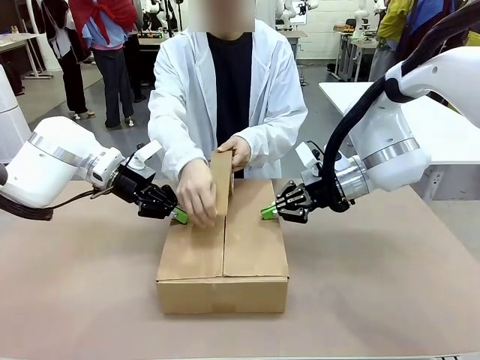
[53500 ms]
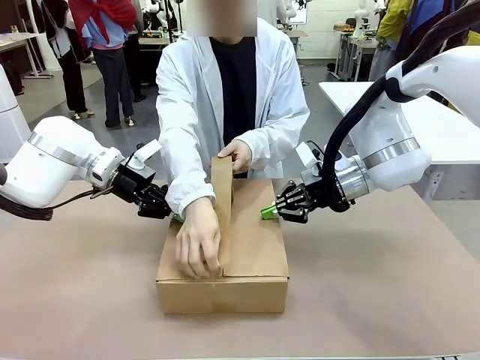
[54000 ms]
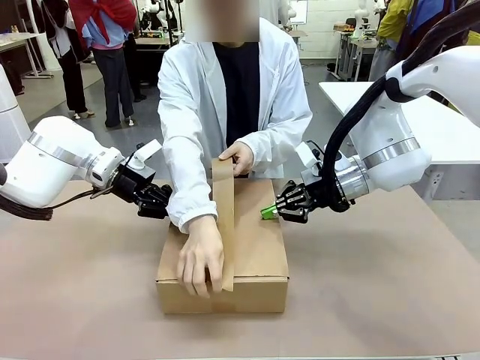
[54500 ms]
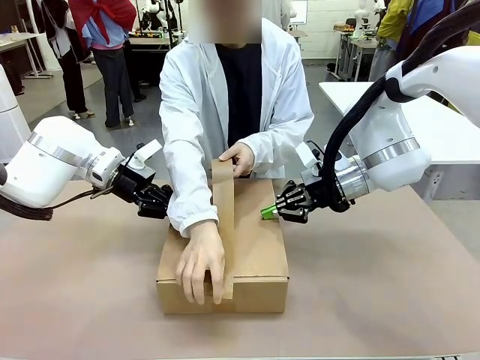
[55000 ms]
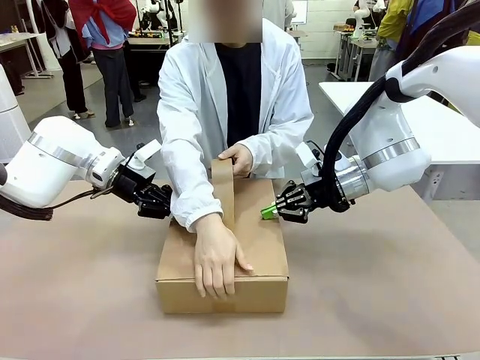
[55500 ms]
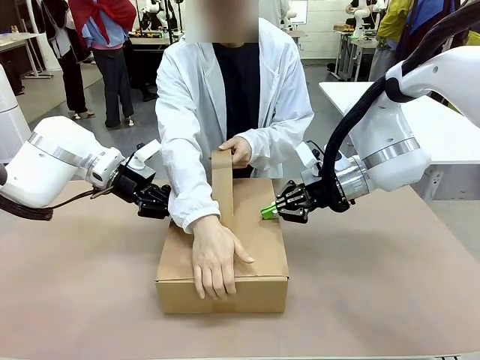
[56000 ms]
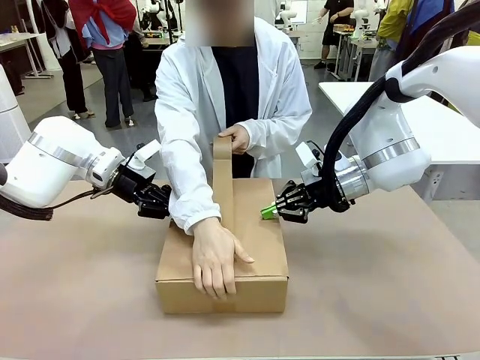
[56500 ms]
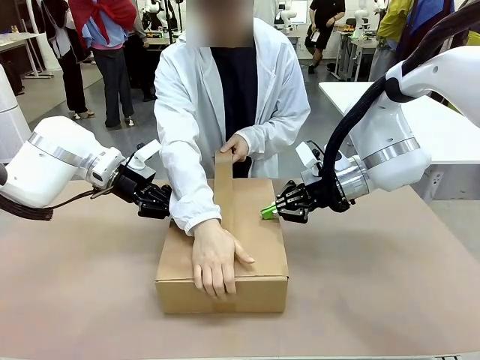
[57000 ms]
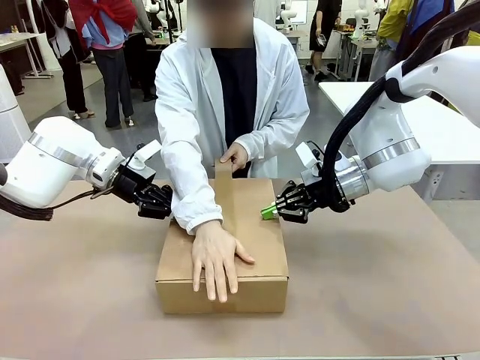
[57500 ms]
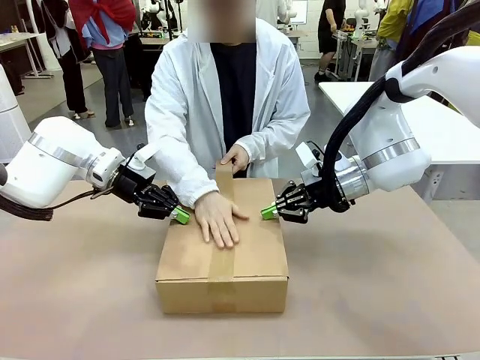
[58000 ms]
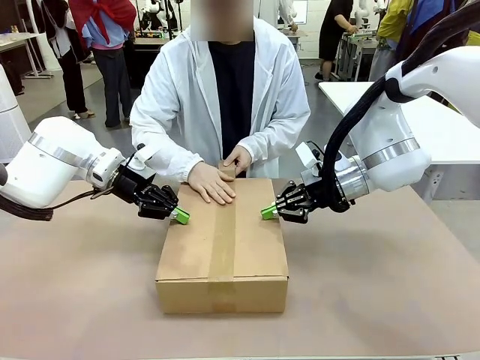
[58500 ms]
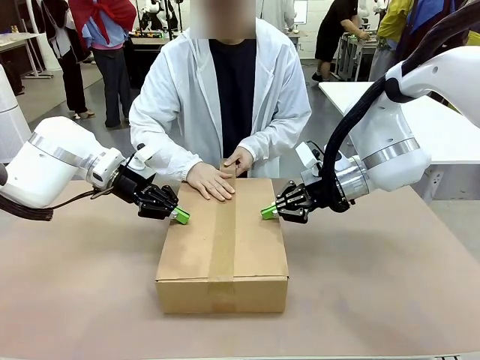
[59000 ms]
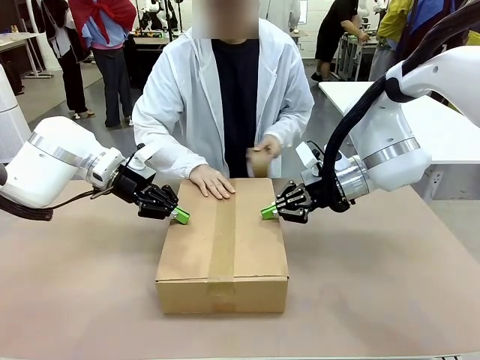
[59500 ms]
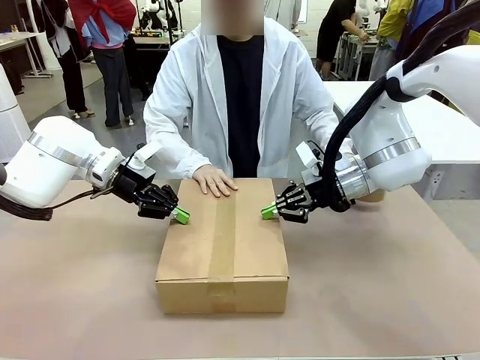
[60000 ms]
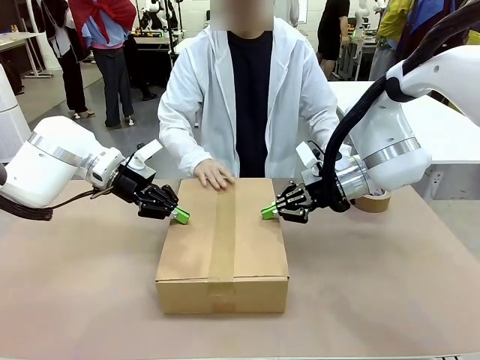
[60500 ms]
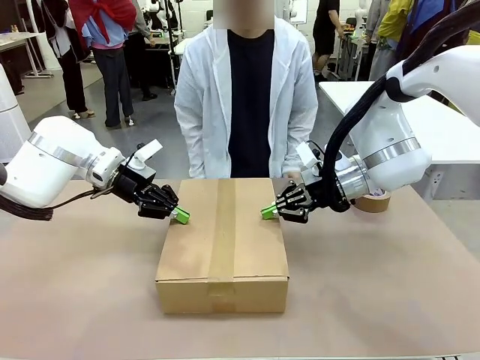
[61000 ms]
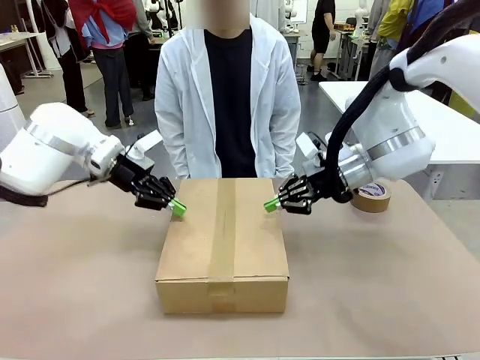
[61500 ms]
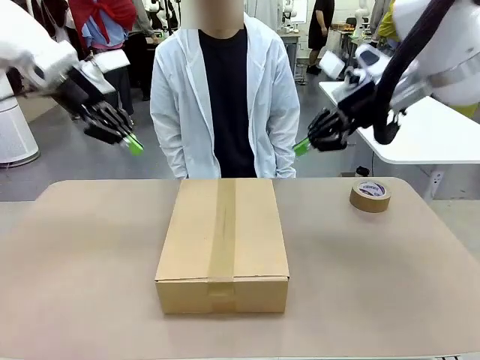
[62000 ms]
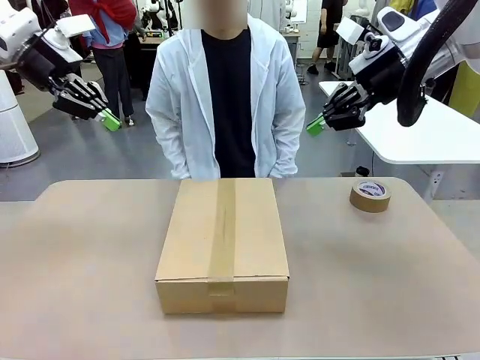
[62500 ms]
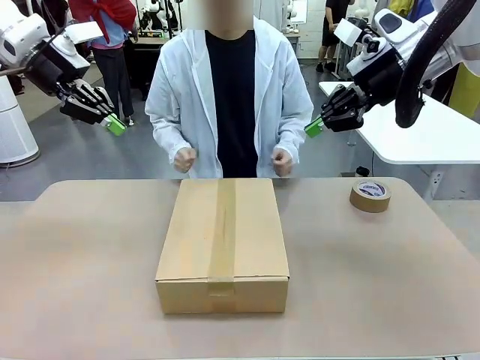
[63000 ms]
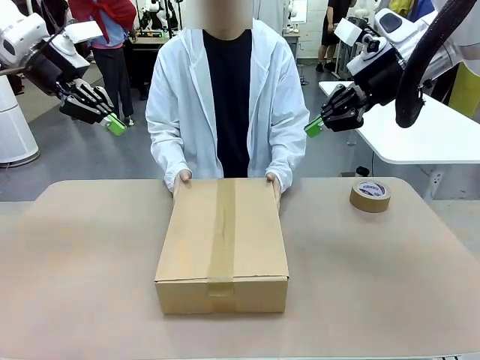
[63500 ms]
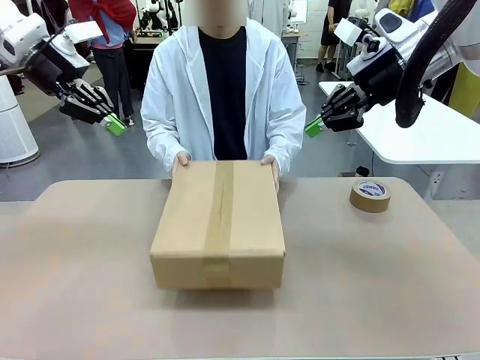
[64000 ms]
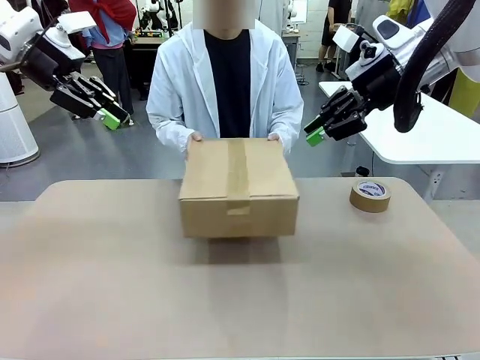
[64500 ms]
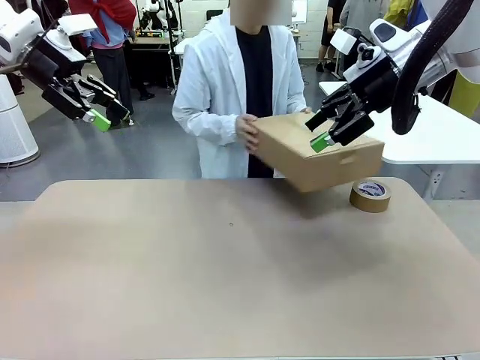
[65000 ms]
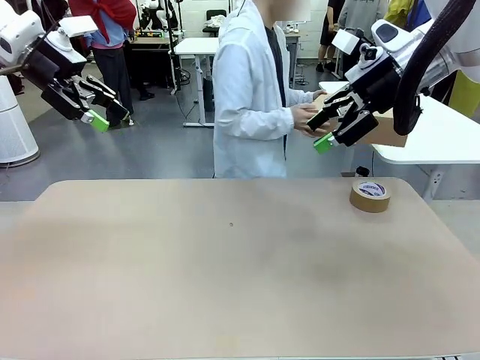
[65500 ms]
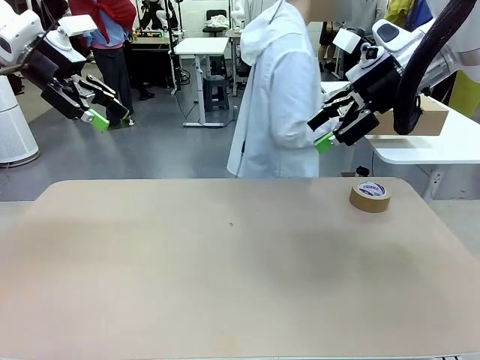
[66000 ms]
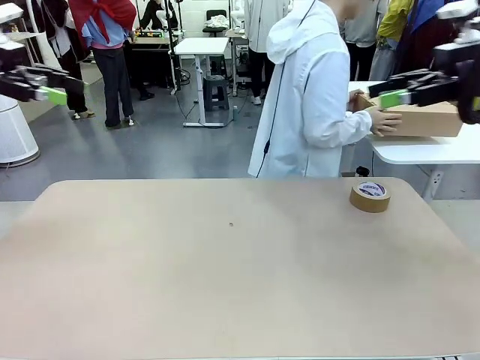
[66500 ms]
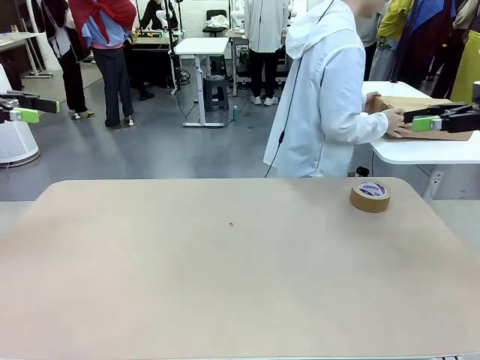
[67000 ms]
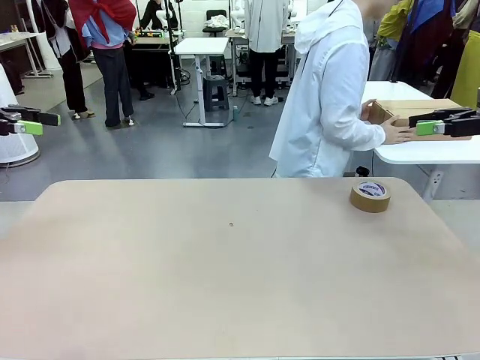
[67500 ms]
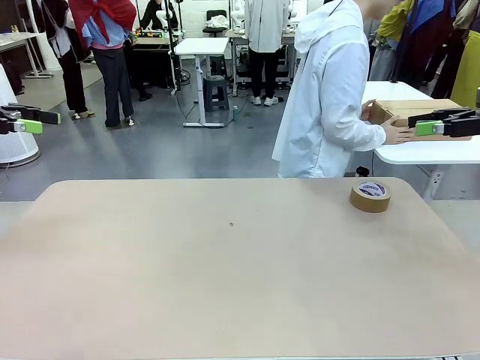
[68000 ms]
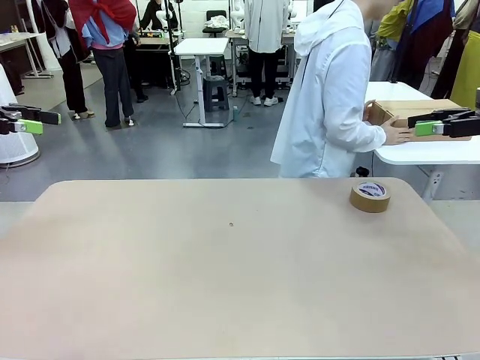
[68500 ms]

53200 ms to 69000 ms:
Task: Wrap the clocks to prevent damage.
Robot: After the human seals the box with tape, release both hands from the side flaps of the Package Box.
Person: Once the robot closes the left flap of the Package Box , seal the box with Paper Tape. Place sealed Package Box in the middle of the human's table.
